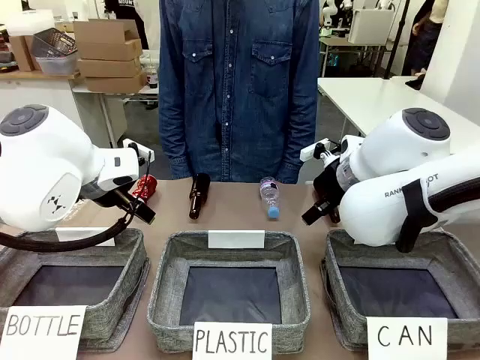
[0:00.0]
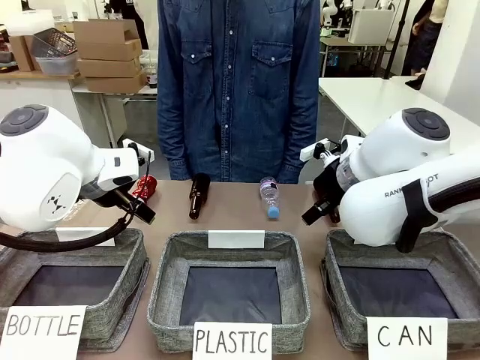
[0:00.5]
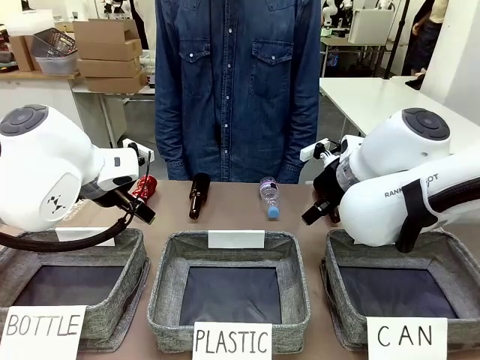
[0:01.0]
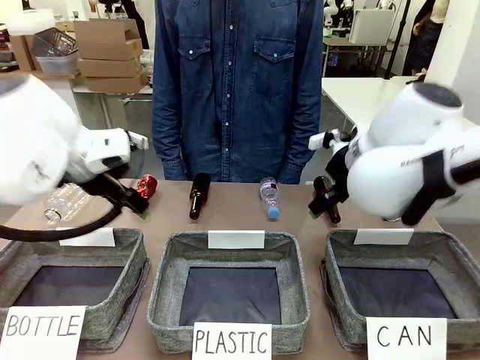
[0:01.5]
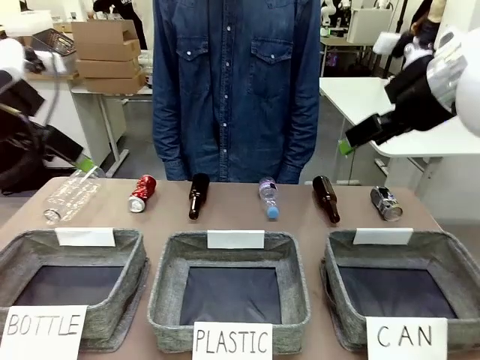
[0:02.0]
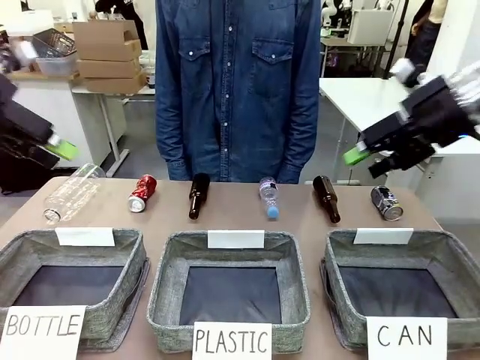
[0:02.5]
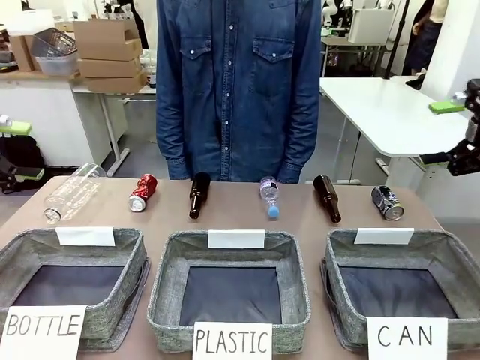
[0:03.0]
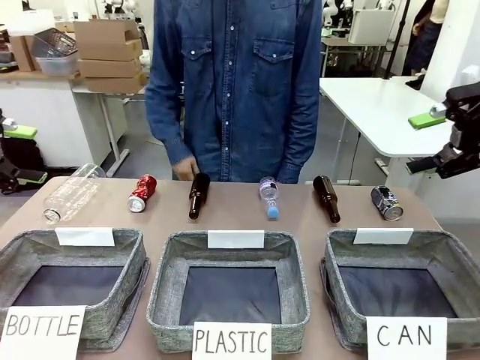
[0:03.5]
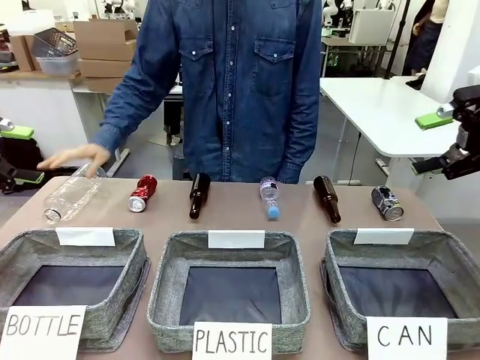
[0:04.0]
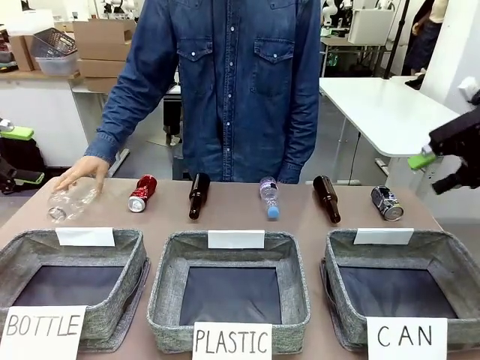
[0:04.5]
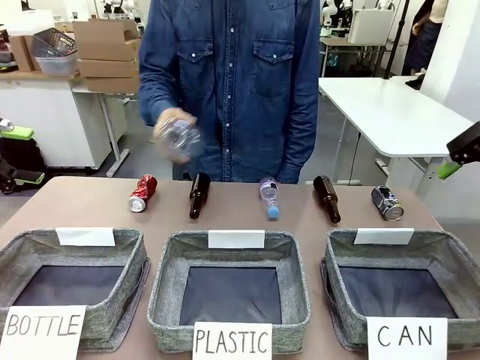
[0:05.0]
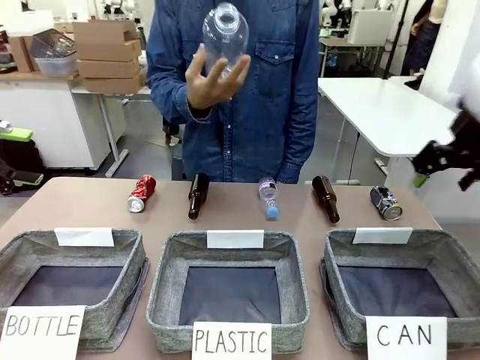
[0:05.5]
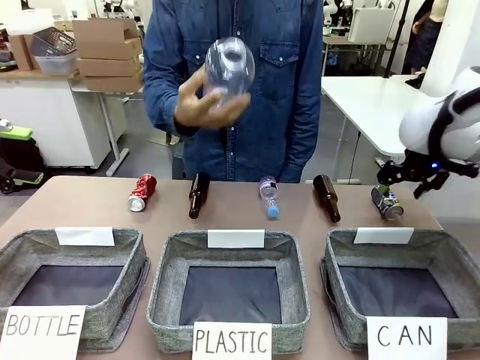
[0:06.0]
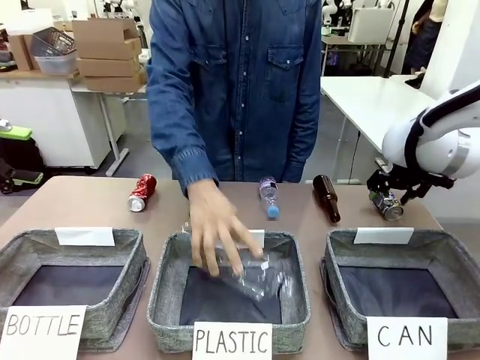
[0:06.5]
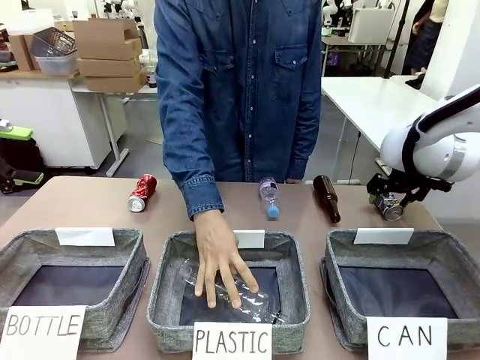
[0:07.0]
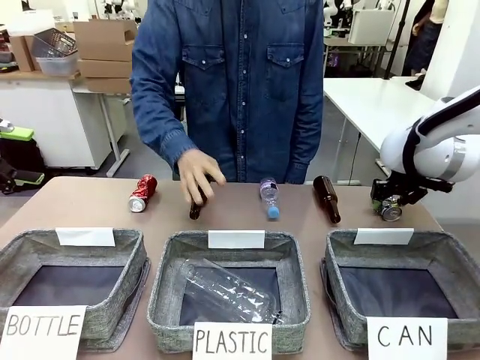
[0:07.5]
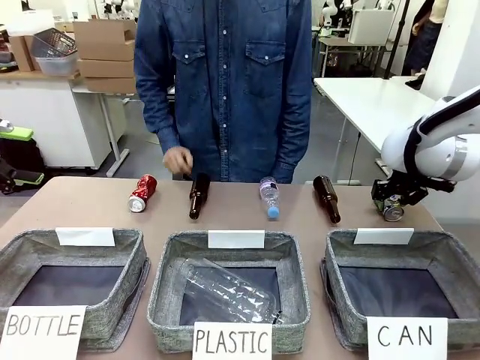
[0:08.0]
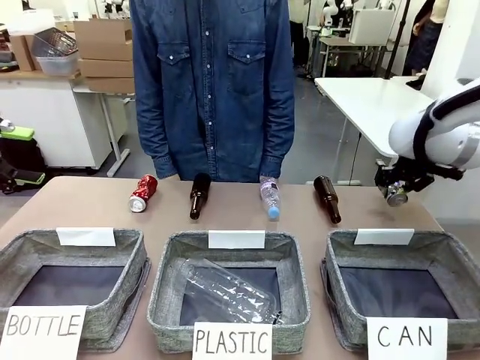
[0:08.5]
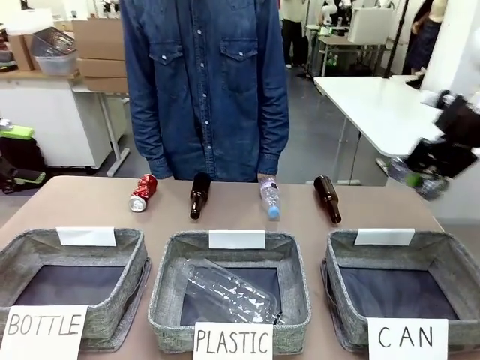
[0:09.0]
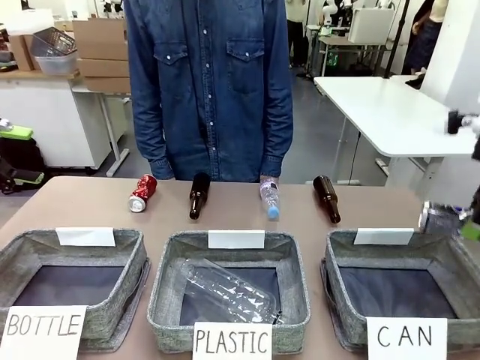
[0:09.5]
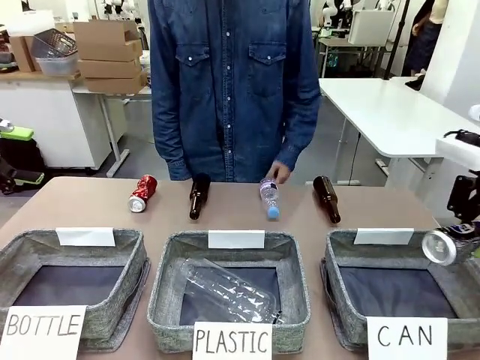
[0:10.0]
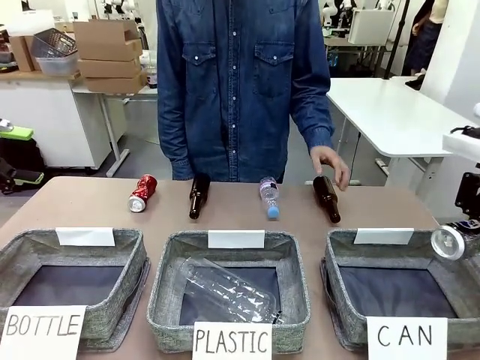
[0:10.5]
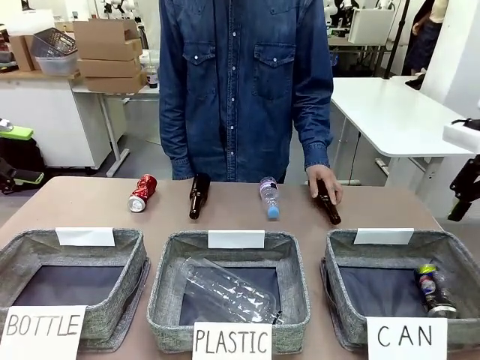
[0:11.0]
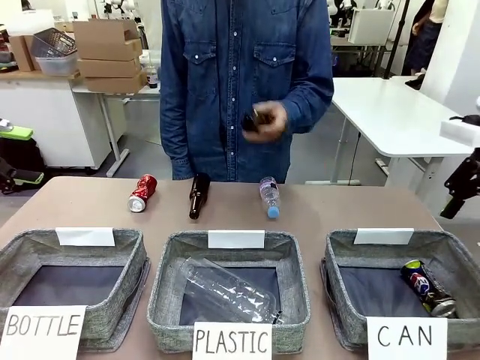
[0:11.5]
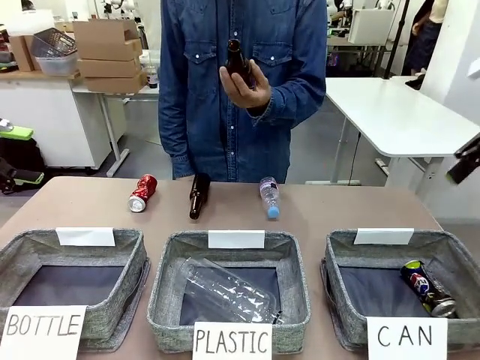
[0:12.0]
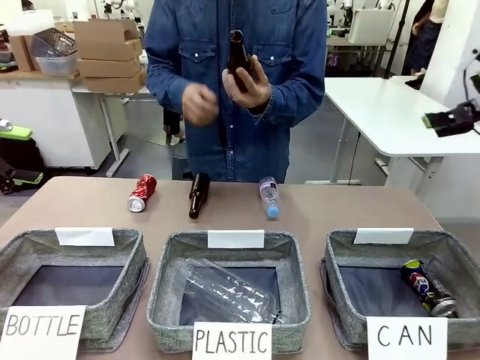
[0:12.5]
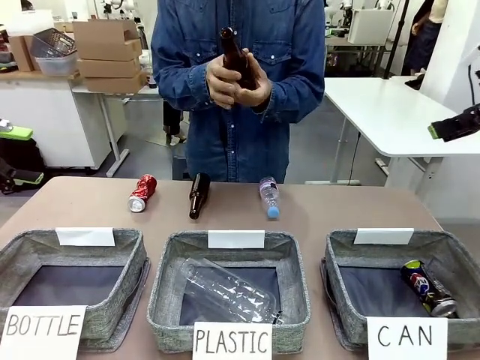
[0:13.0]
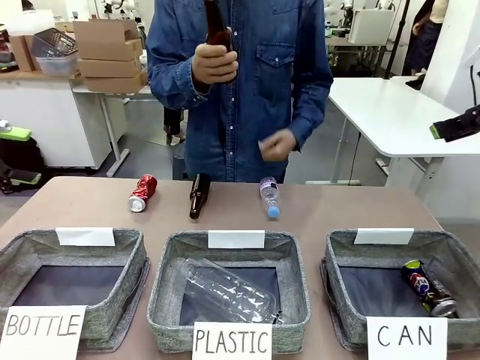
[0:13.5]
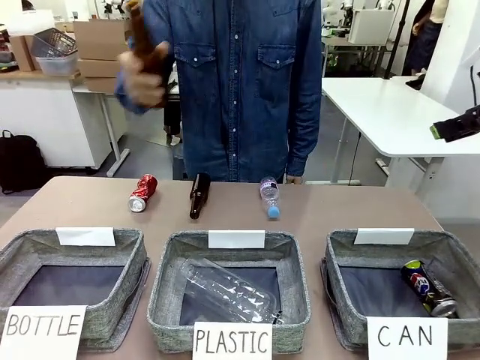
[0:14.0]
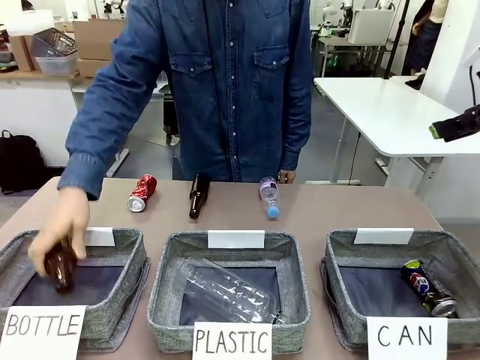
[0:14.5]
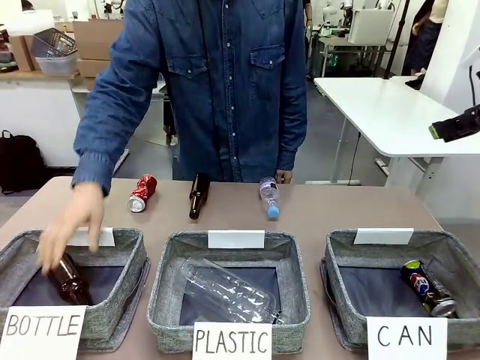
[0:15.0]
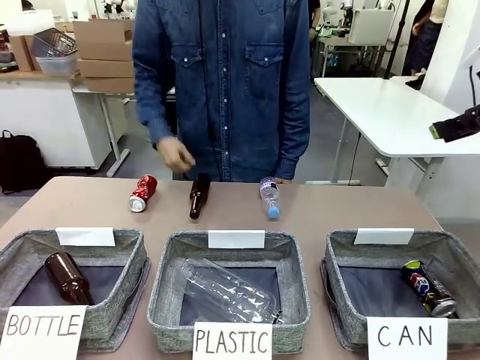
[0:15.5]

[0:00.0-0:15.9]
Task: Sort the can waste into the basket.
Robot: Pick up the can waste from the table and place it in the right Fabric basket.

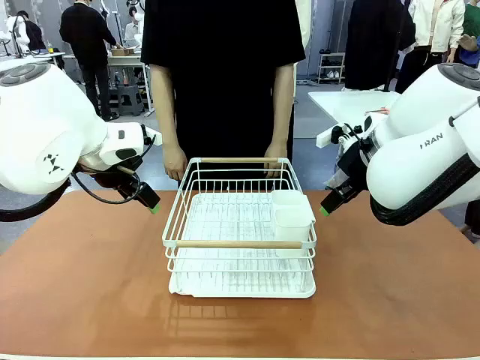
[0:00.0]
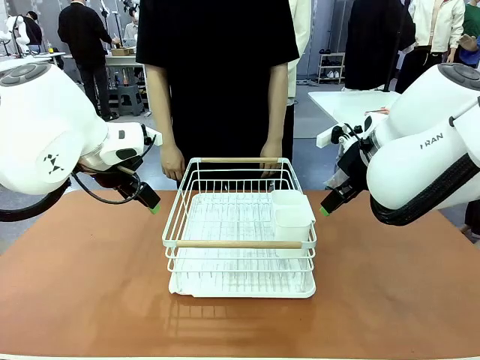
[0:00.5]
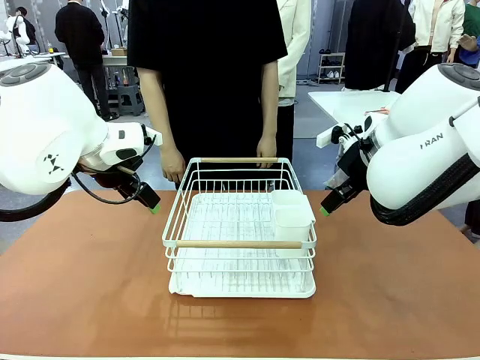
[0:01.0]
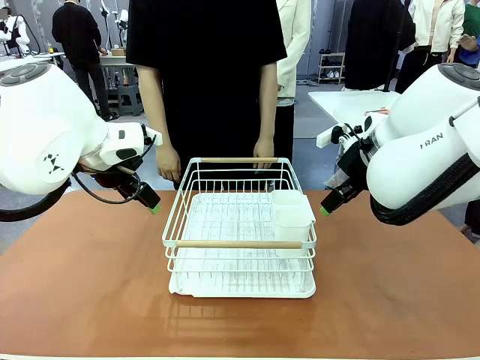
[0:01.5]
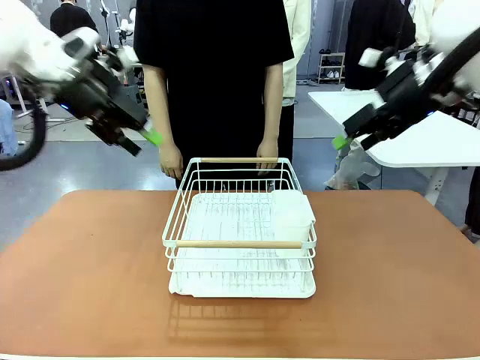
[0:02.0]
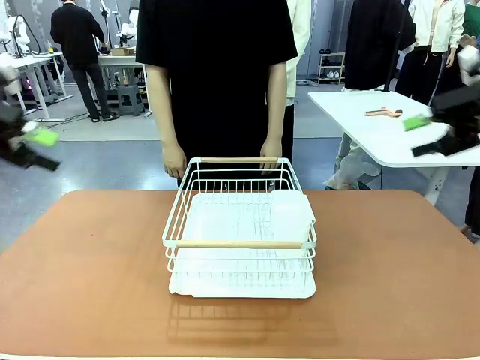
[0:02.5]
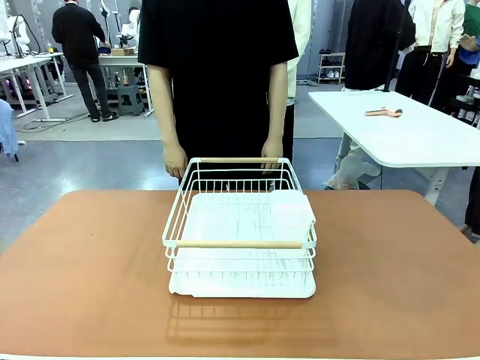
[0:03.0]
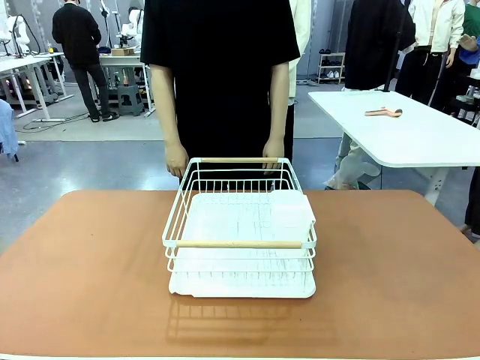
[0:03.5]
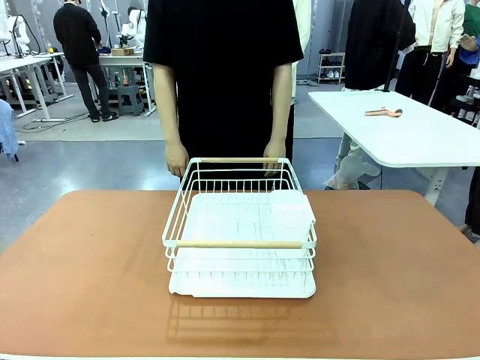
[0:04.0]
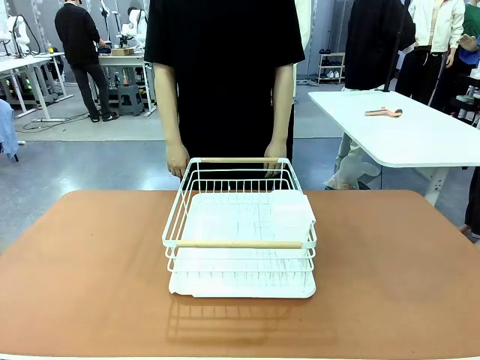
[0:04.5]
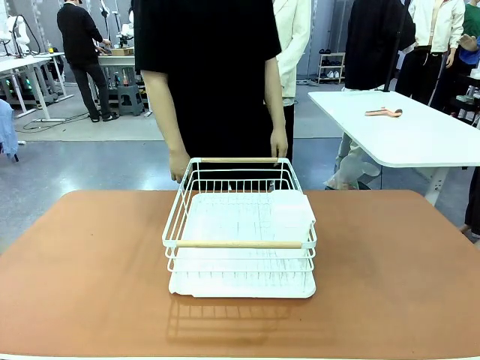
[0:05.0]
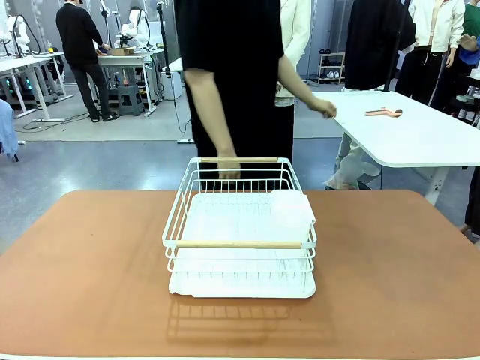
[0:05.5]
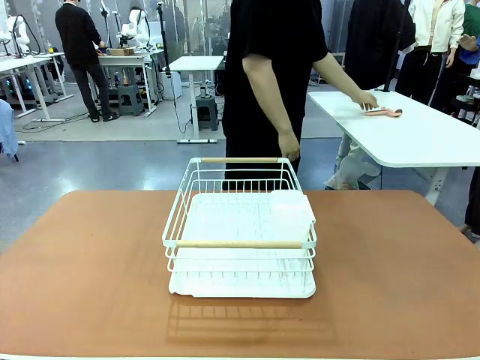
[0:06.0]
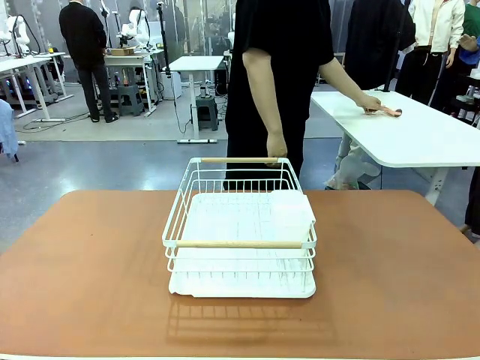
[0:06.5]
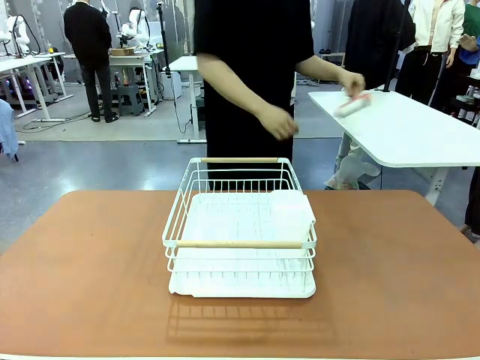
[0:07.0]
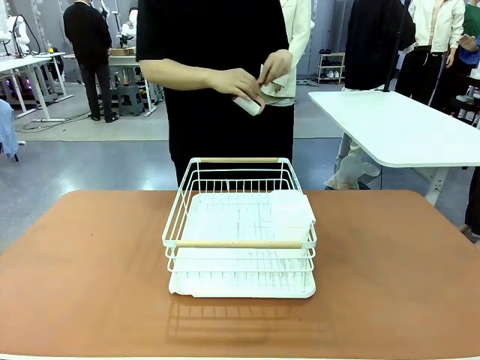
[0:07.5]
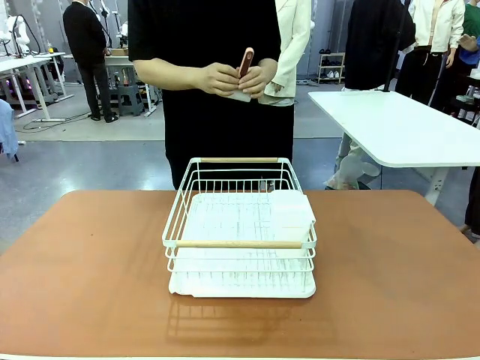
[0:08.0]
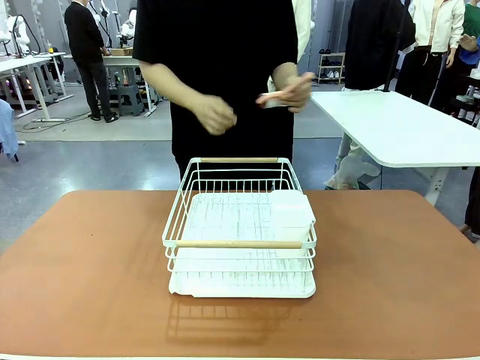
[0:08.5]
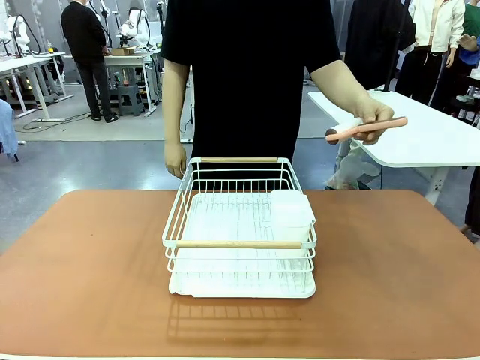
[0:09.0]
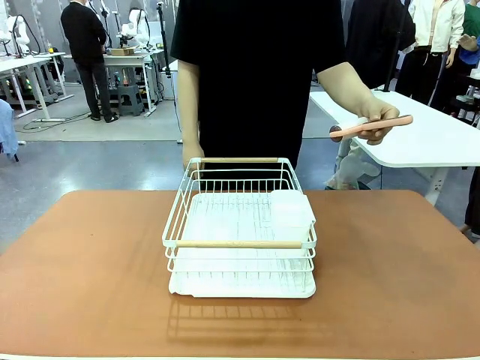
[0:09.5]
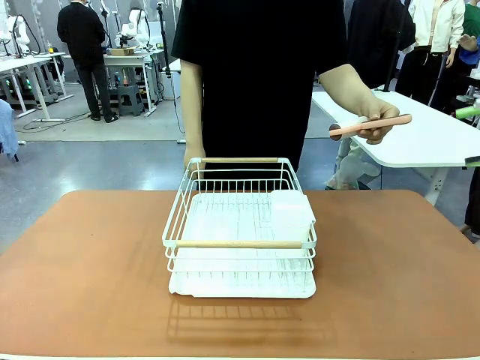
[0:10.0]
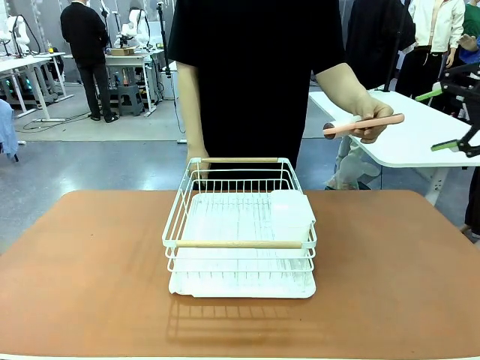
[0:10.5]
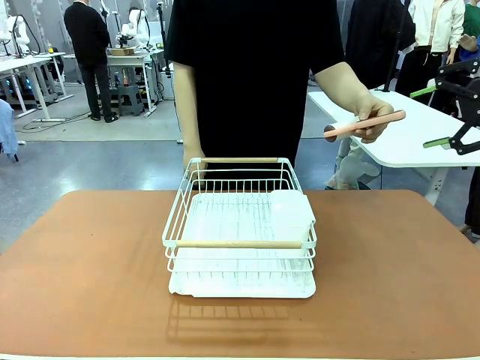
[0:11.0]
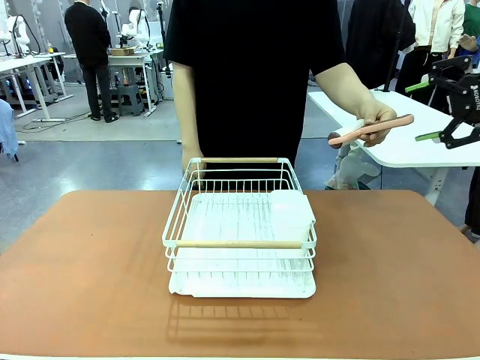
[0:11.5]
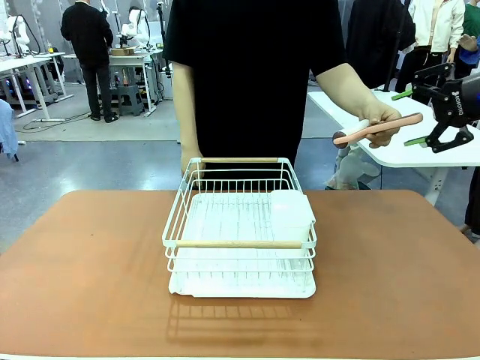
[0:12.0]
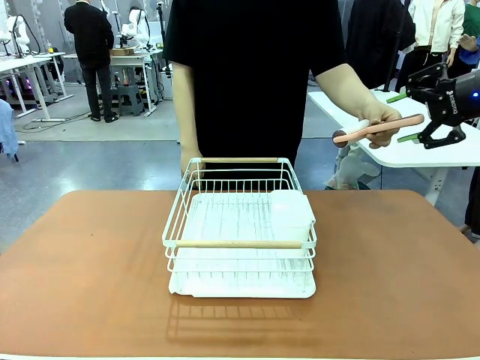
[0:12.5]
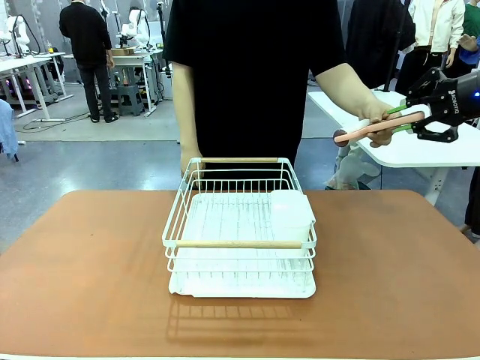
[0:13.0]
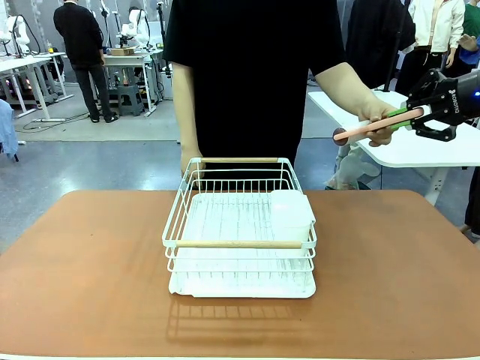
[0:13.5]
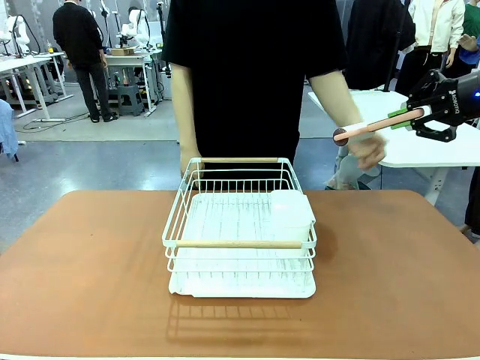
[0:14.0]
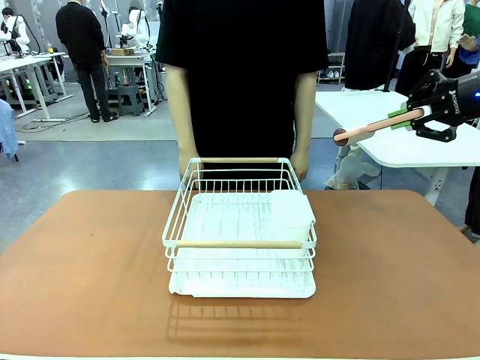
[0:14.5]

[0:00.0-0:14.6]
Task: Clean the table.
Robot: Pick up the Lint Roller when the human hands it over.
Person: Hand the Lint Roller to the robot so it can easily pick it up. Lift the Dish drying rack.
